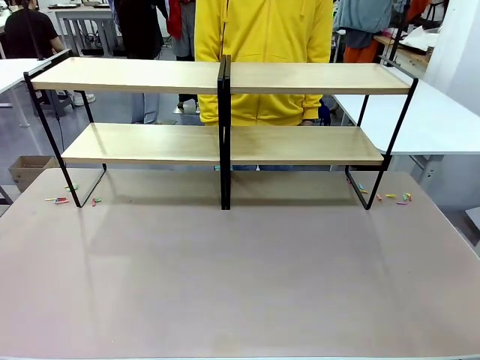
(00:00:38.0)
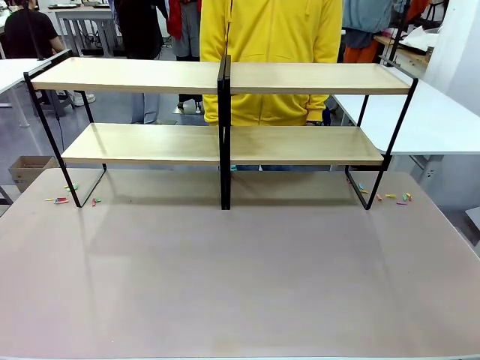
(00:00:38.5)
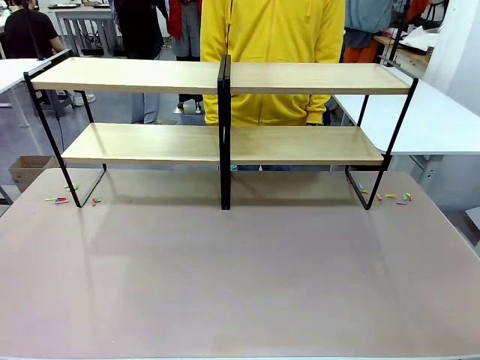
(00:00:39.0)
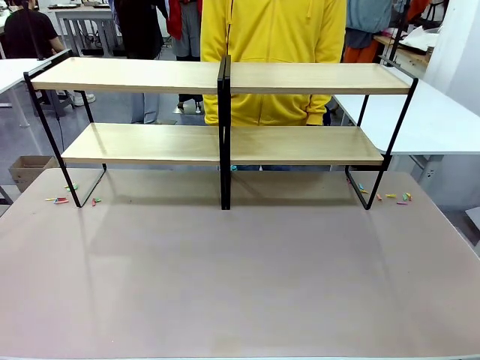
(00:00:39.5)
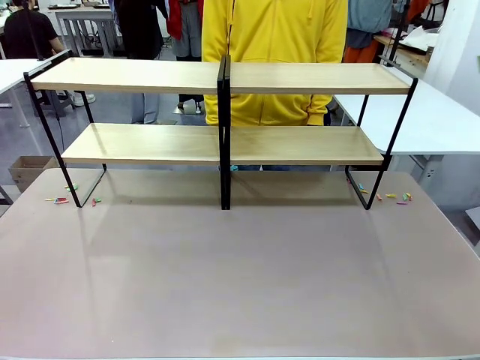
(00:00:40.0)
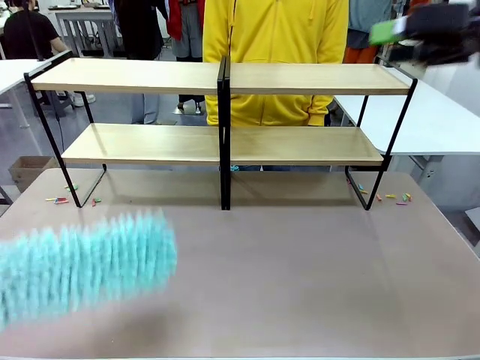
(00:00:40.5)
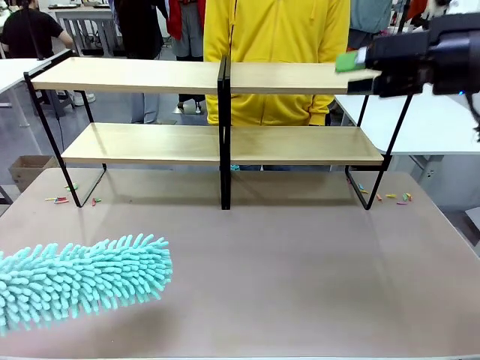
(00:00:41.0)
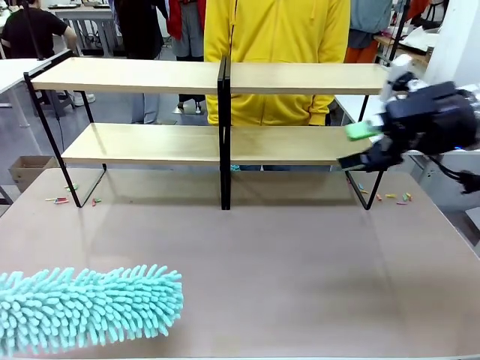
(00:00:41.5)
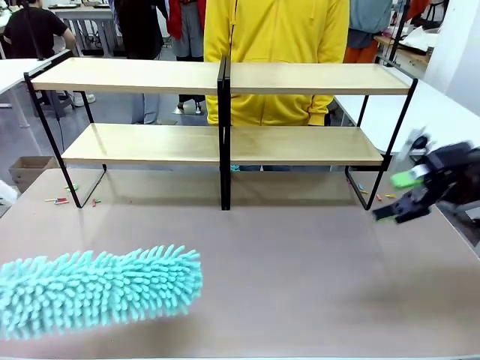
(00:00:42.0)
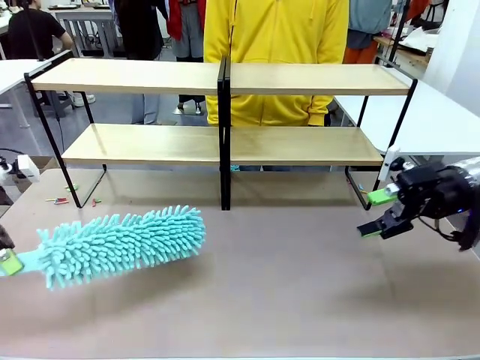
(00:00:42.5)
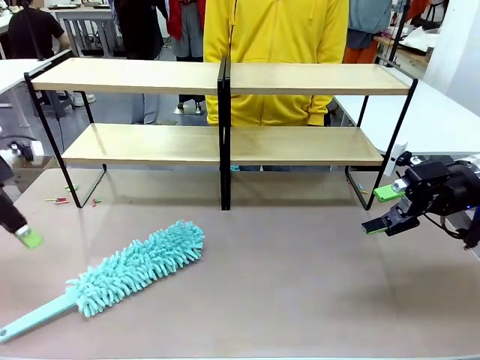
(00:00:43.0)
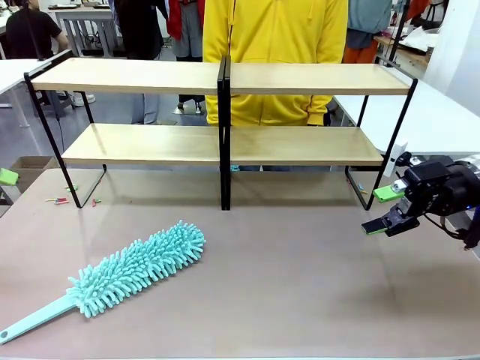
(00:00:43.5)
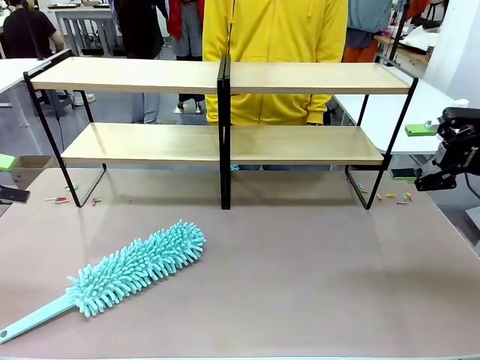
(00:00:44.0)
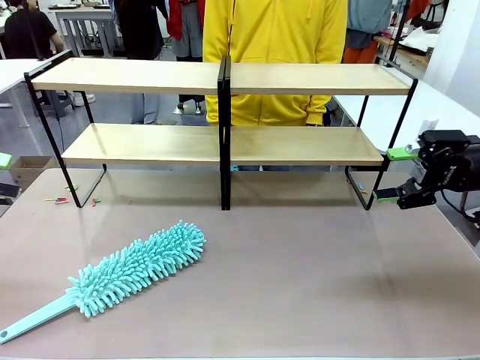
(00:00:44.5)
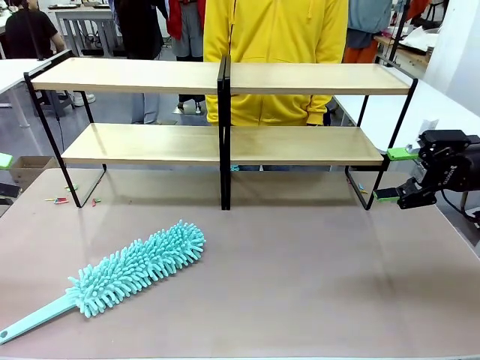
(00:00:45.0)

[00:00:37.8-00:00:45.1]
Task: Clean the shelves.
Robot: Place the Duster on the table.

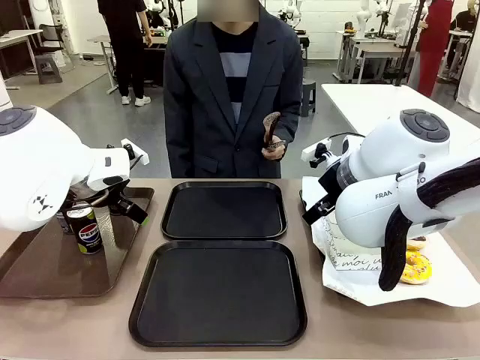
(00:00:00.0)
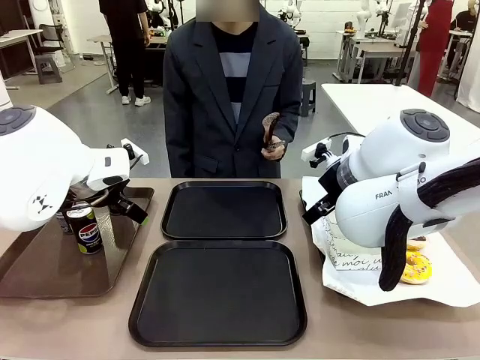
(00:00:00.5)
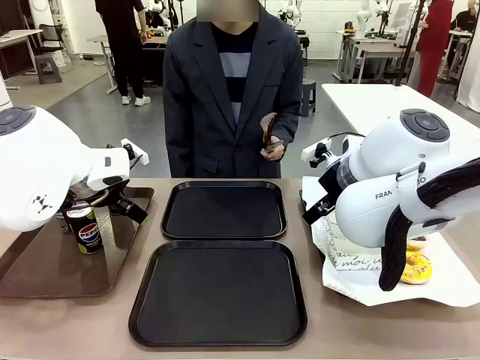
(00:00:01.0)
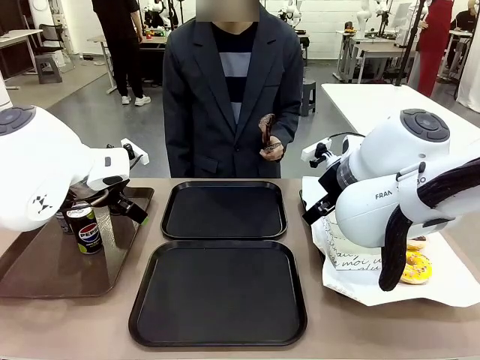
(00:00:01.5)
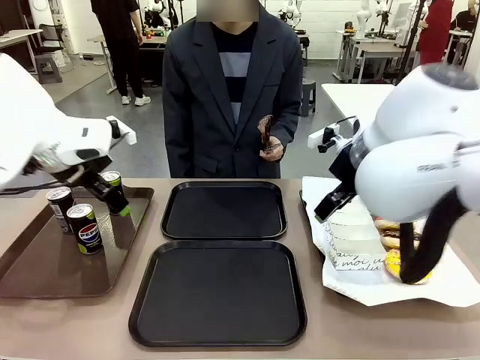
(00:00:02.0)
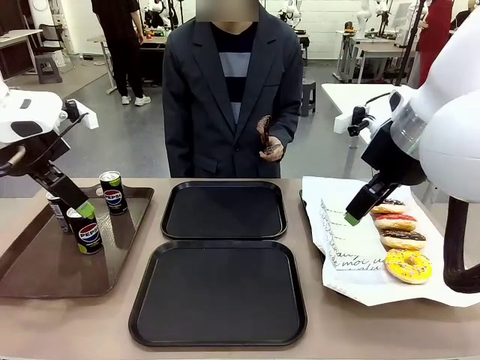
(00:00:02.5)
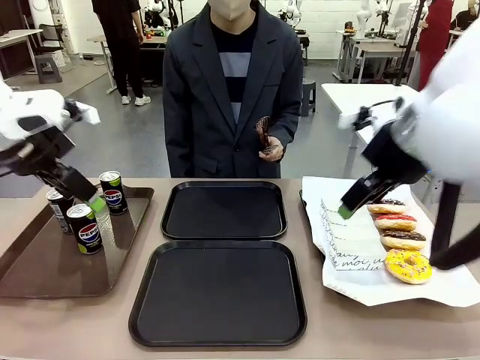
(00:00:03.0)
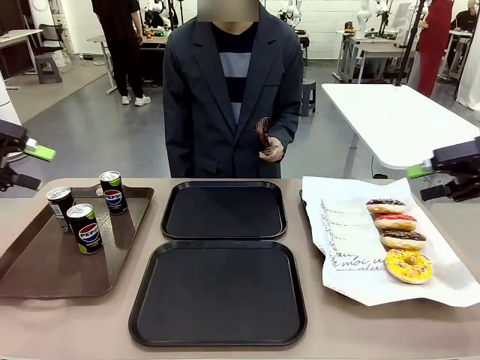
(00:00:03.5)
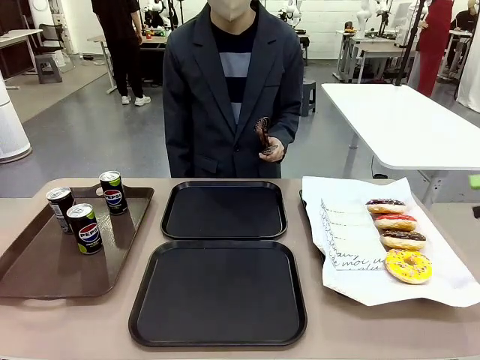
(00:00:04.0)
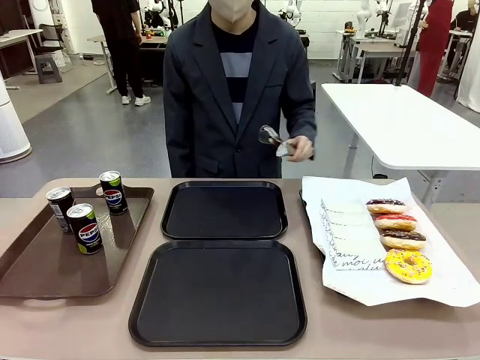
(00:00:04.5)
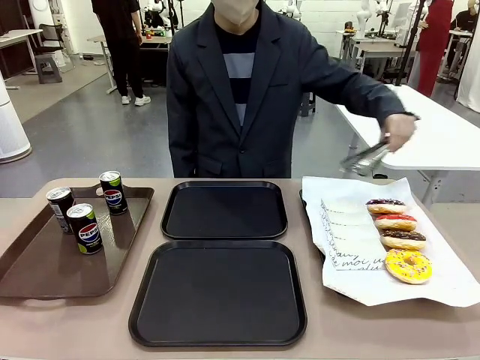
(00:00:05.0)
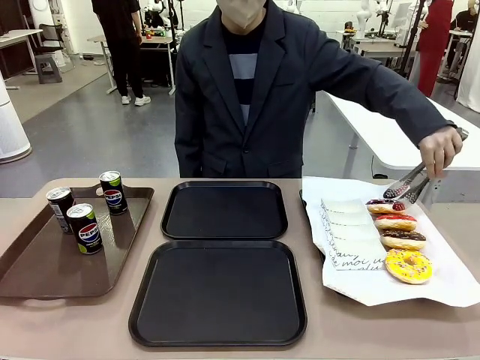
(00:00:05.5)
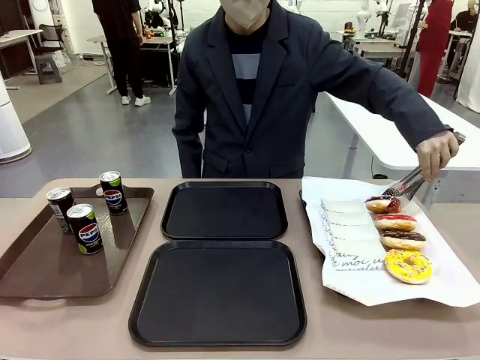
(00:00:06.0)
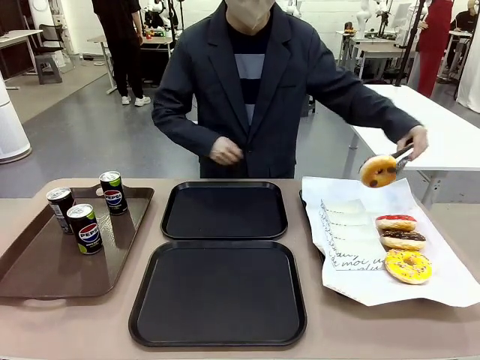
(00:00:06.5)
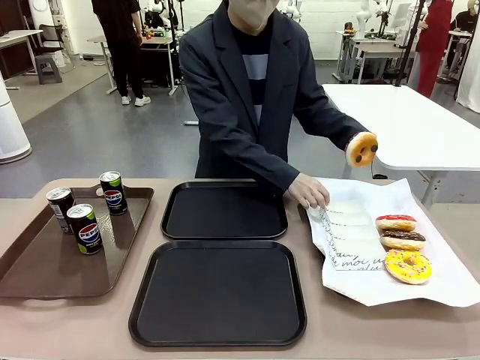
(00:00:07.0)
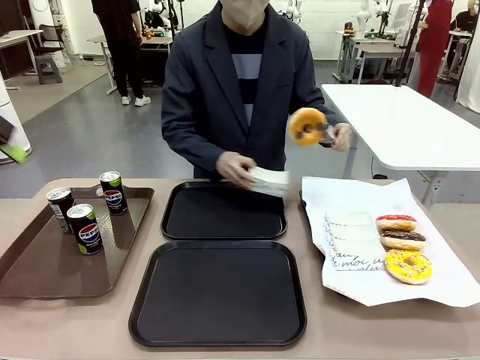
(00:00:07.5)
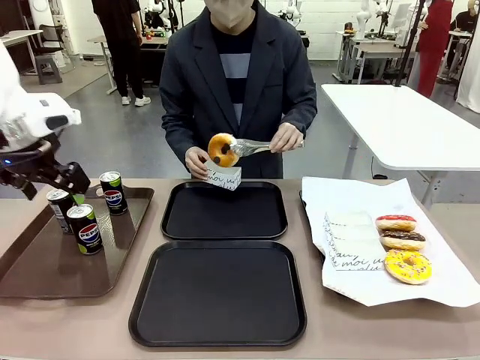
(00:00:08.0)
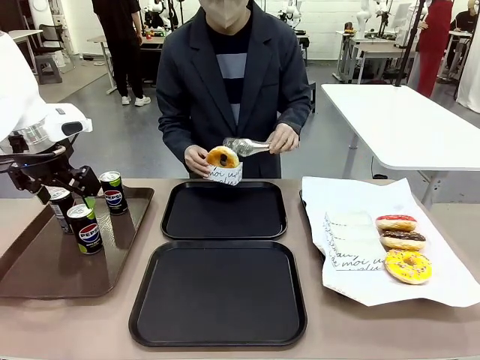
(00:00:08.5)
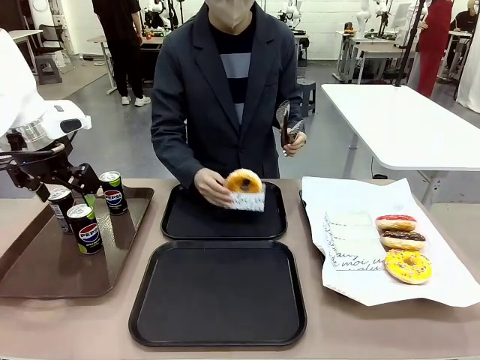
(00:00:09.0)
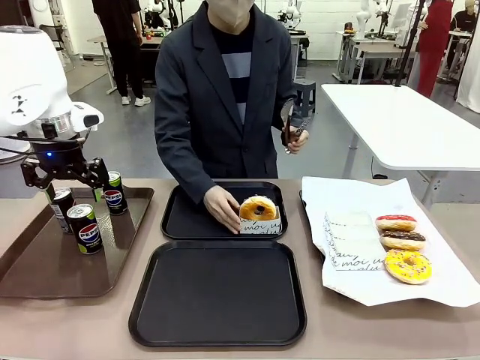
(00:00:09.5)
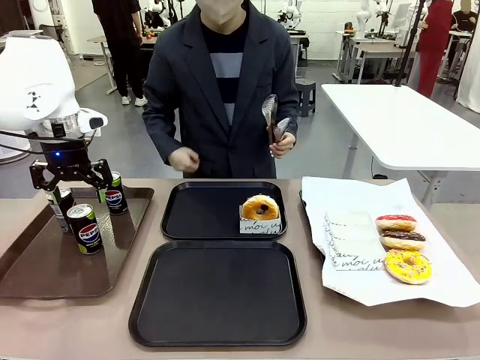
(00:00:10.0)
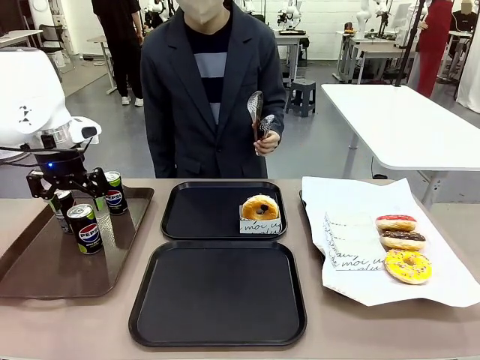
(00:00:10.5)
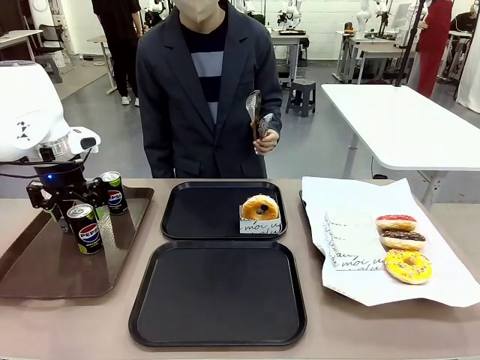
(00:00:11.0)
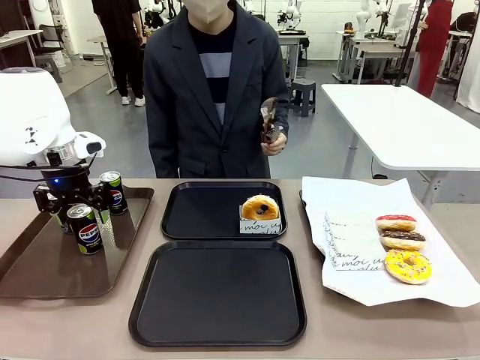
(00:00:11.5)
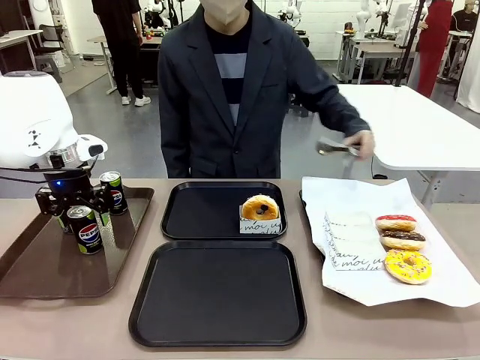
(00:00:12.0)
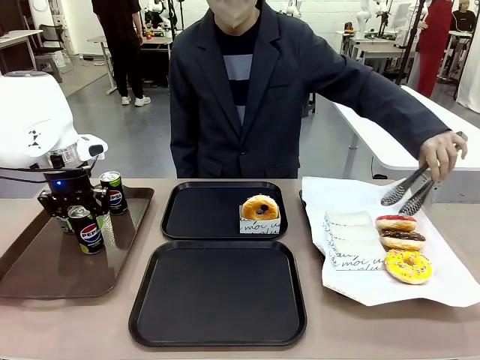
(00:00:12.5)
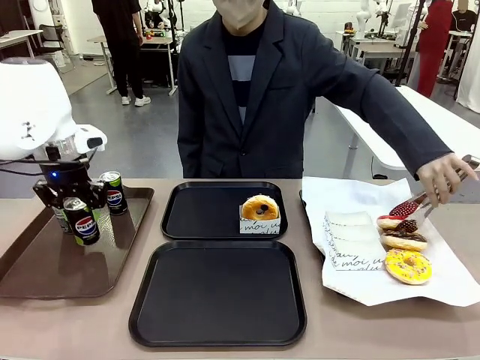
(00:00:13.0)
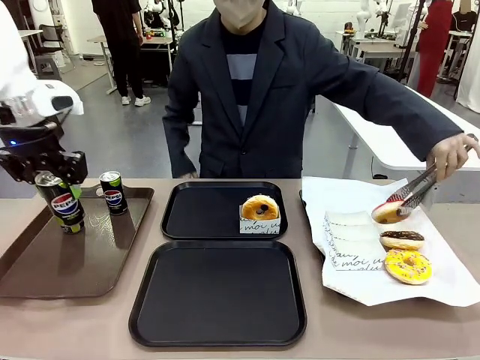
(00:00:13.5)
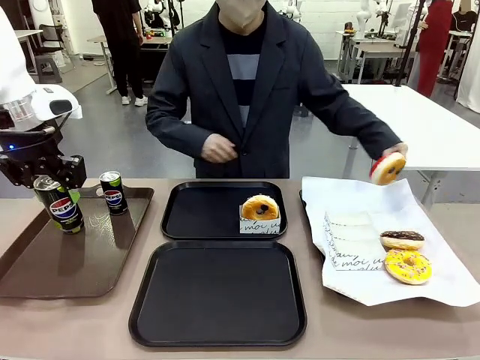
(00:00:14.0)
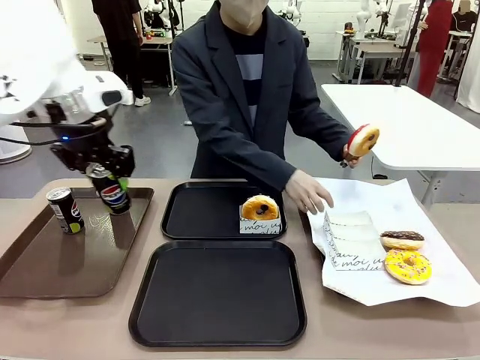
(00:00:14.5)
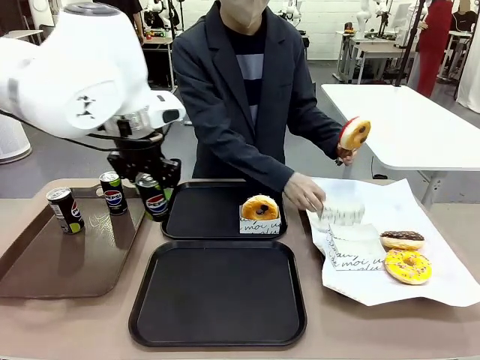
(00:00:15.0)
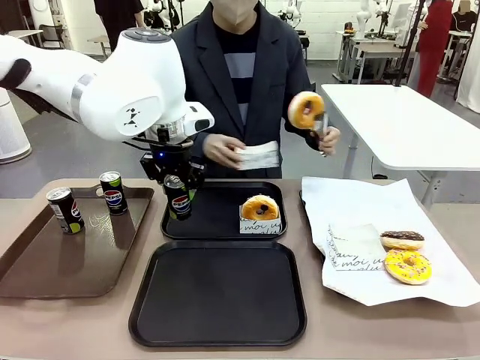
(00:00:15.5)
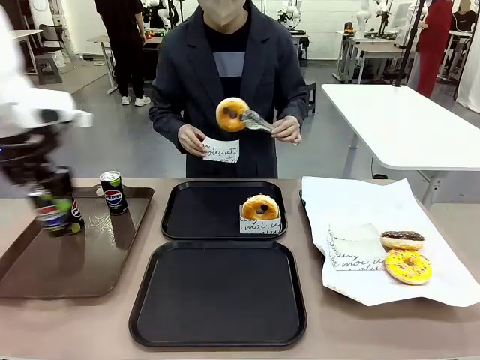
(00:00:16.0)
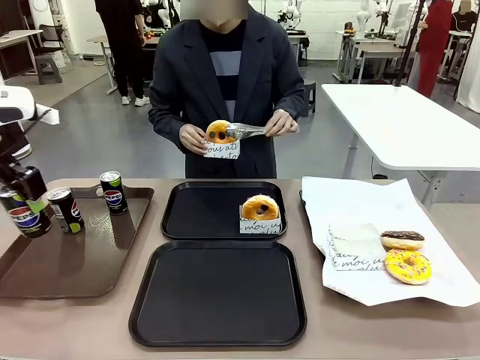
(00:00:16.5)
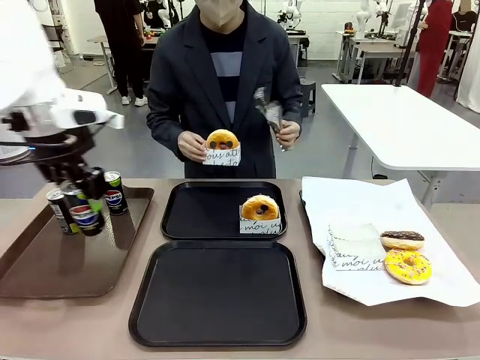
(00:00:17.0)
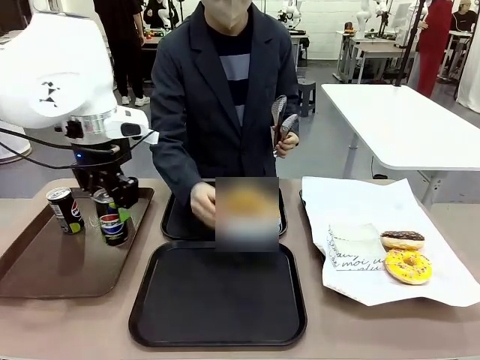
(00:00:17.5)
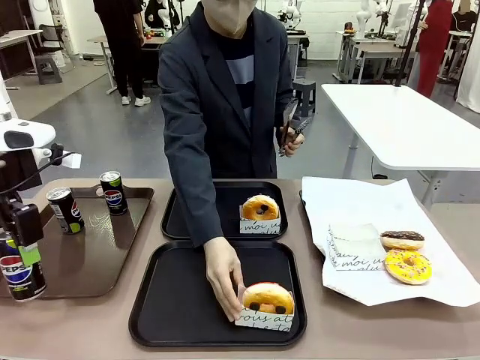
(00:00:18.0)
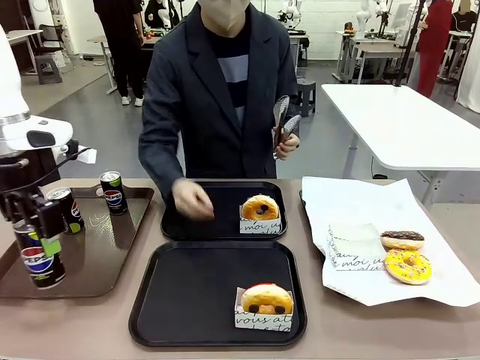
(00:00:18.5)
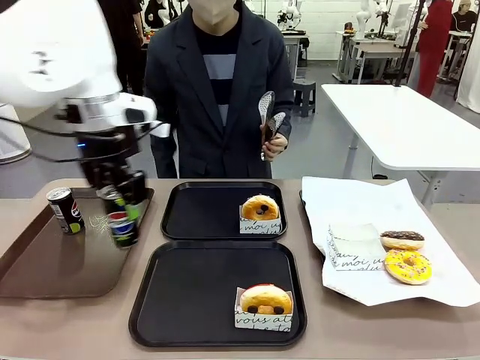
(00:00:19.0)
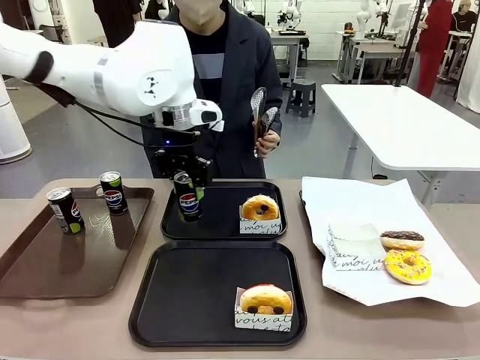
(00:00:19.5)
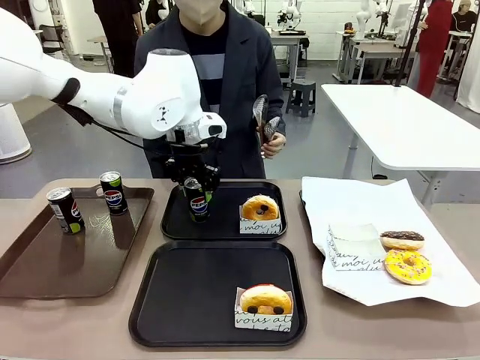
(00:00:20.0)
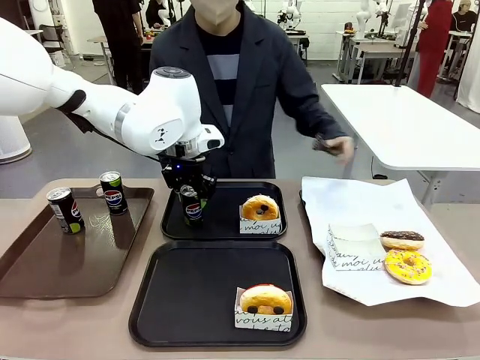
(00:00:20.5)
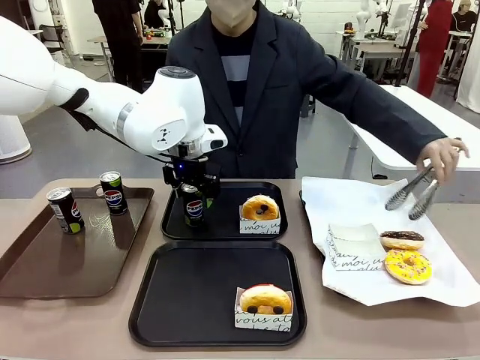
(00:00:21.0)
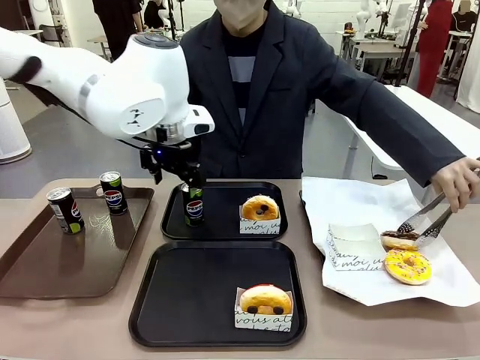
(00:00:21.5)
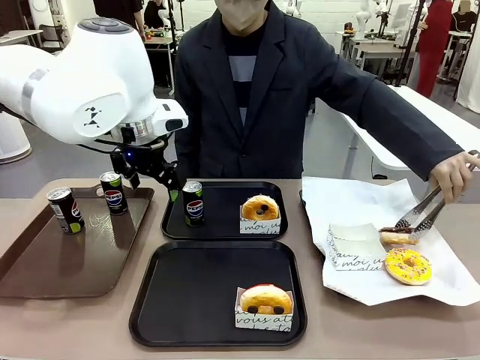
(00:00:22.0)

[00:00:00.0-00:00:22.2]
Task: Set up donuts and drinks on trays.
Robot: Pick up one Pepsi coke and place it on the Flat Tray.
Person: Pick up one donut with tongs, place it in the donut tray, and then place the donut tray on the flat tray.
